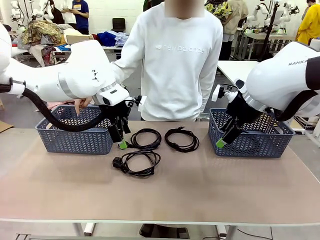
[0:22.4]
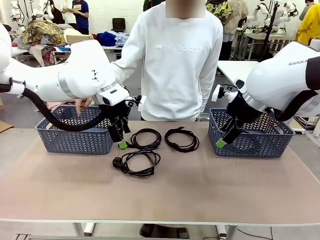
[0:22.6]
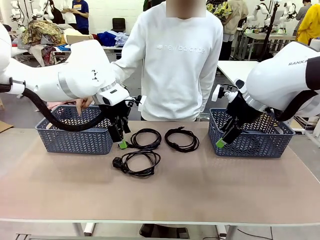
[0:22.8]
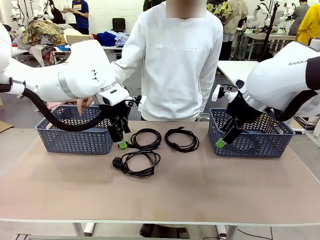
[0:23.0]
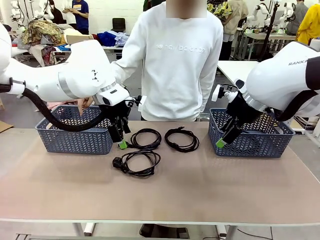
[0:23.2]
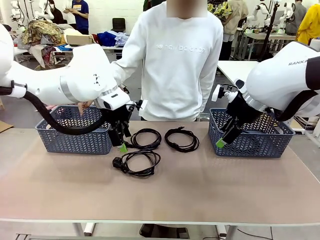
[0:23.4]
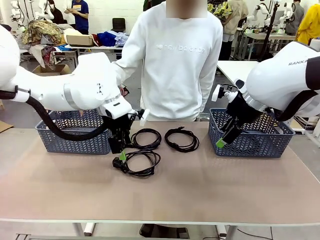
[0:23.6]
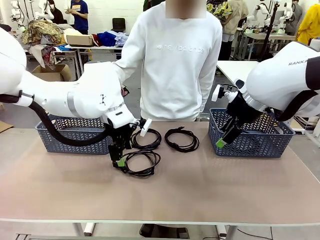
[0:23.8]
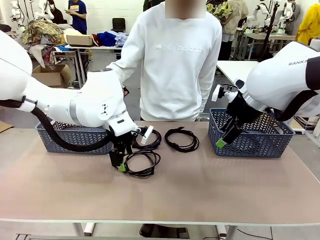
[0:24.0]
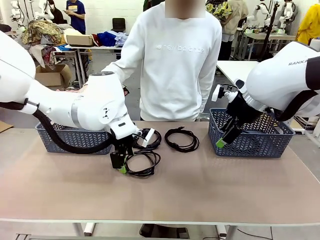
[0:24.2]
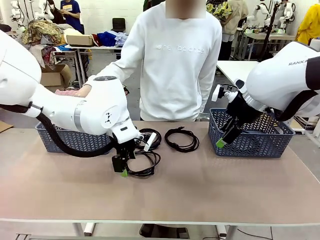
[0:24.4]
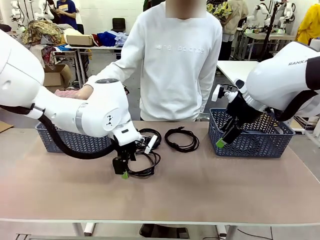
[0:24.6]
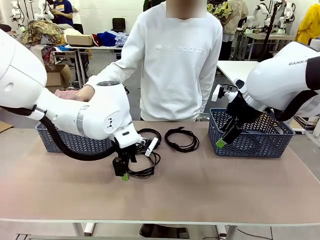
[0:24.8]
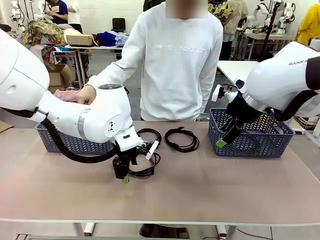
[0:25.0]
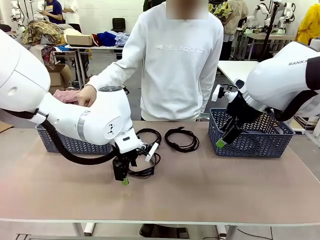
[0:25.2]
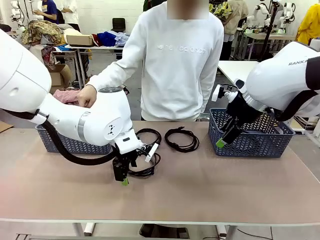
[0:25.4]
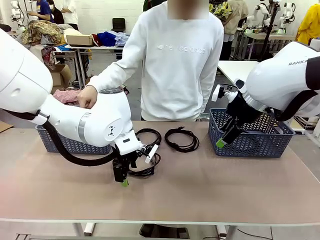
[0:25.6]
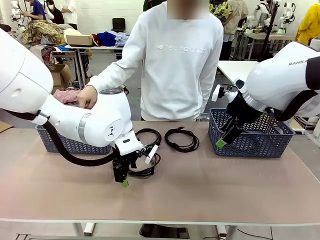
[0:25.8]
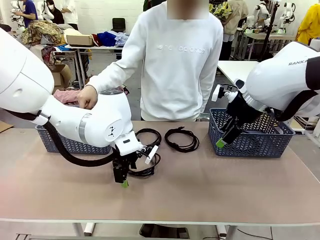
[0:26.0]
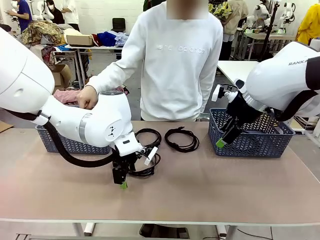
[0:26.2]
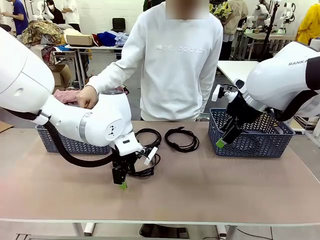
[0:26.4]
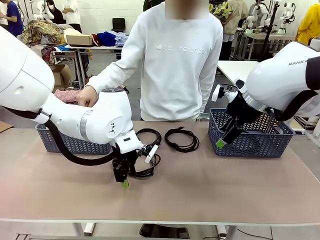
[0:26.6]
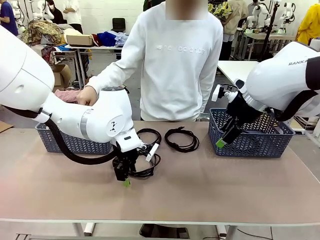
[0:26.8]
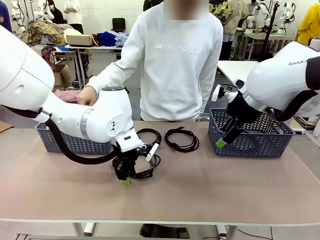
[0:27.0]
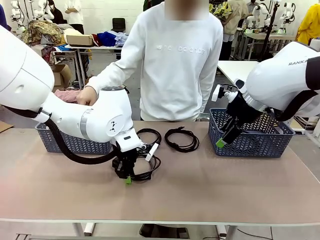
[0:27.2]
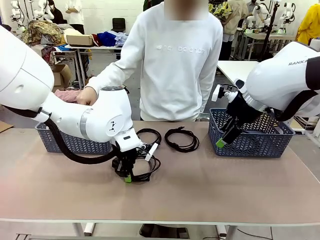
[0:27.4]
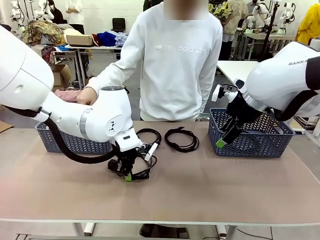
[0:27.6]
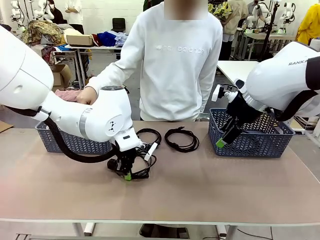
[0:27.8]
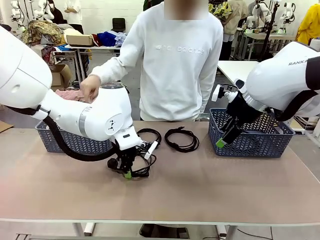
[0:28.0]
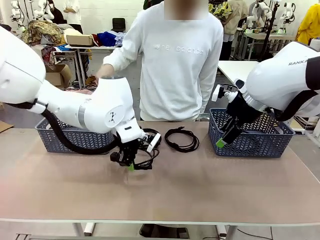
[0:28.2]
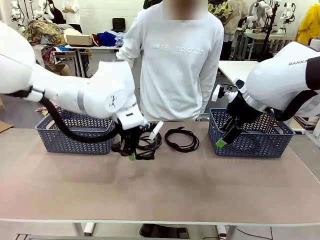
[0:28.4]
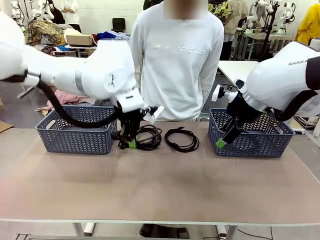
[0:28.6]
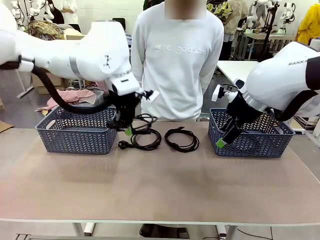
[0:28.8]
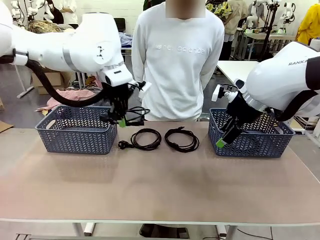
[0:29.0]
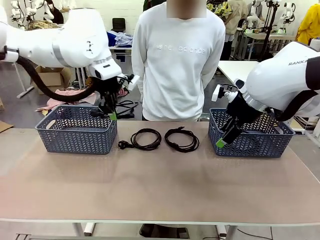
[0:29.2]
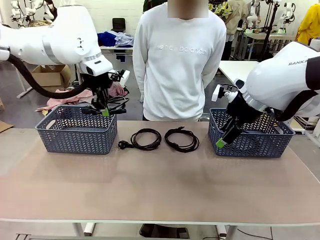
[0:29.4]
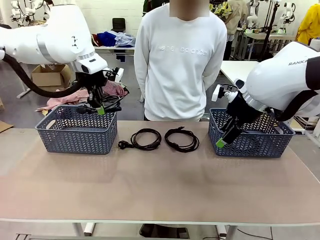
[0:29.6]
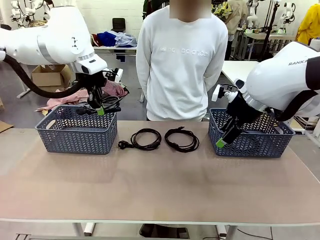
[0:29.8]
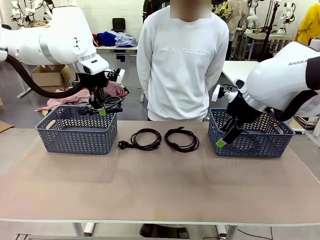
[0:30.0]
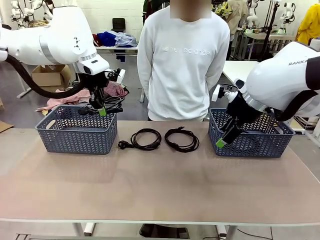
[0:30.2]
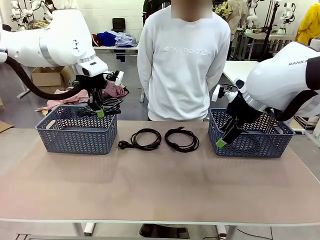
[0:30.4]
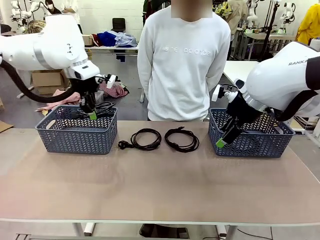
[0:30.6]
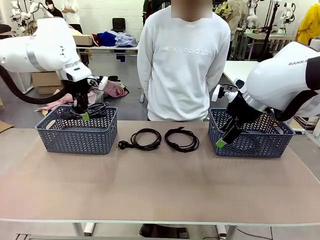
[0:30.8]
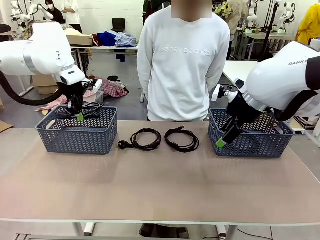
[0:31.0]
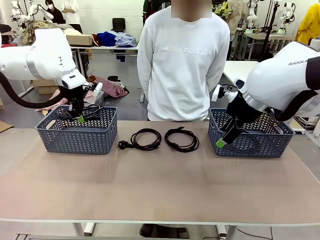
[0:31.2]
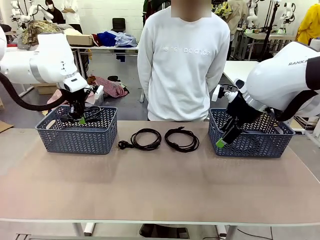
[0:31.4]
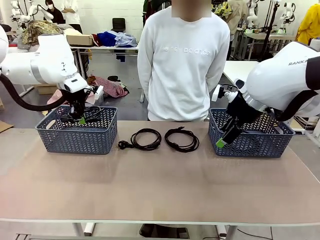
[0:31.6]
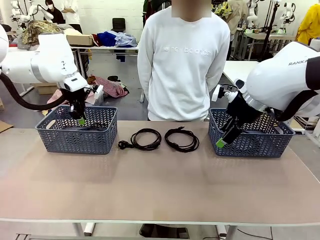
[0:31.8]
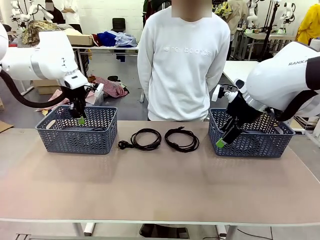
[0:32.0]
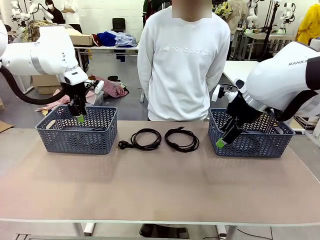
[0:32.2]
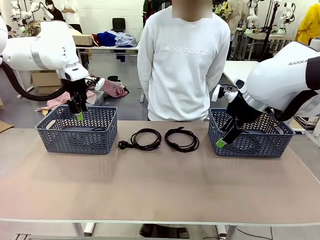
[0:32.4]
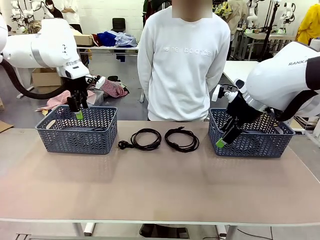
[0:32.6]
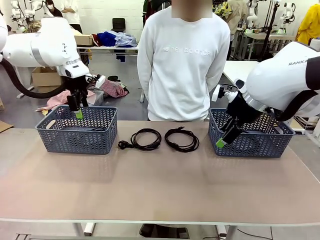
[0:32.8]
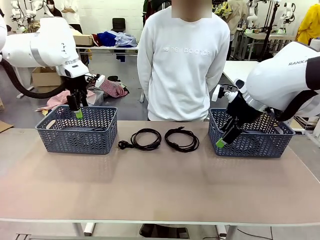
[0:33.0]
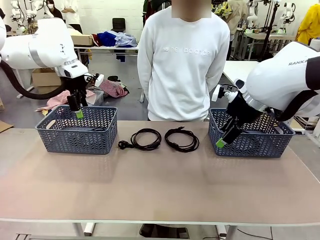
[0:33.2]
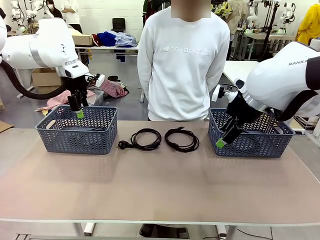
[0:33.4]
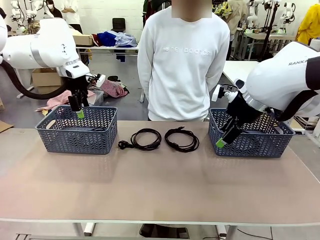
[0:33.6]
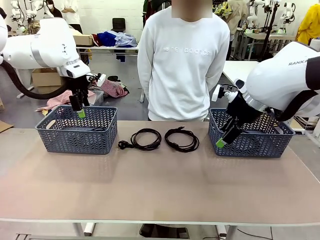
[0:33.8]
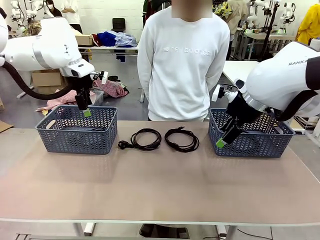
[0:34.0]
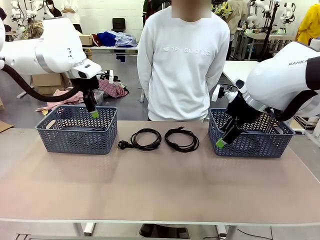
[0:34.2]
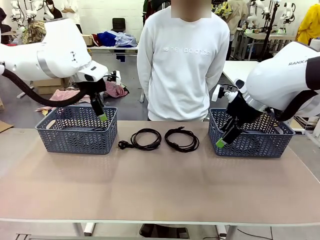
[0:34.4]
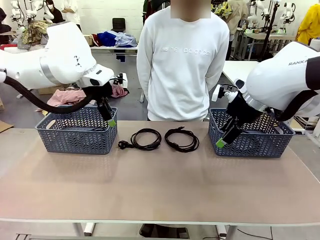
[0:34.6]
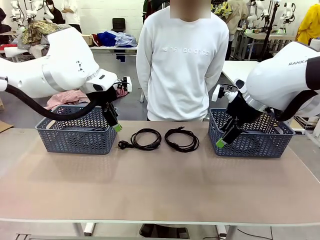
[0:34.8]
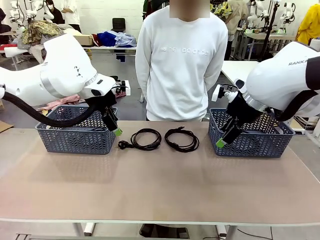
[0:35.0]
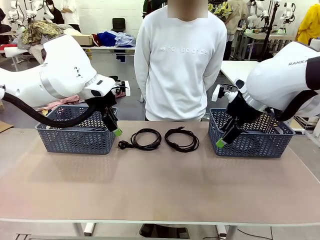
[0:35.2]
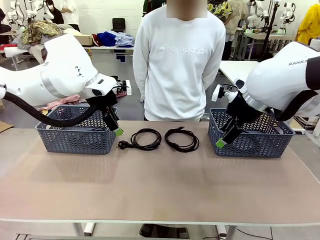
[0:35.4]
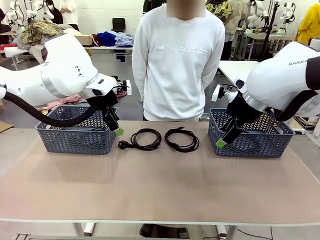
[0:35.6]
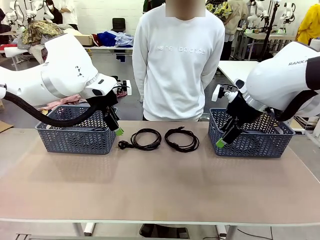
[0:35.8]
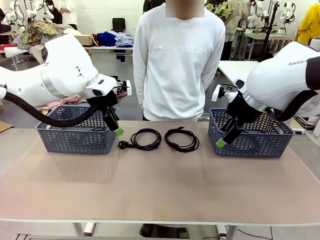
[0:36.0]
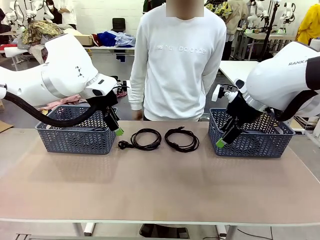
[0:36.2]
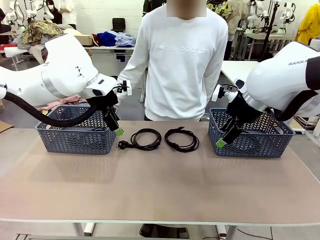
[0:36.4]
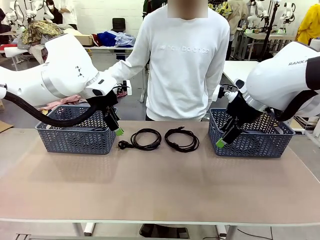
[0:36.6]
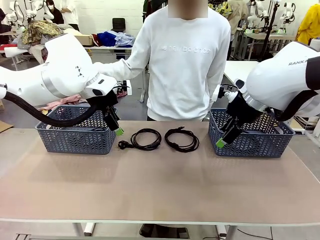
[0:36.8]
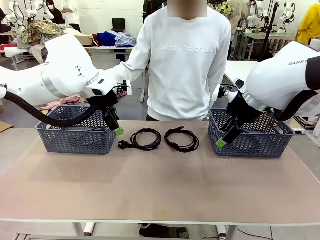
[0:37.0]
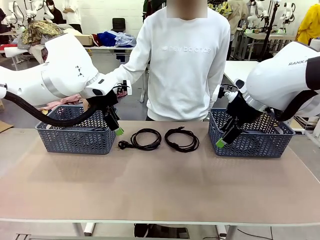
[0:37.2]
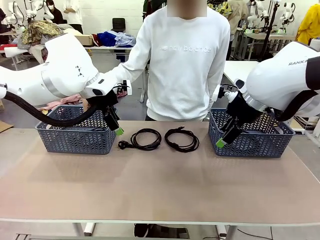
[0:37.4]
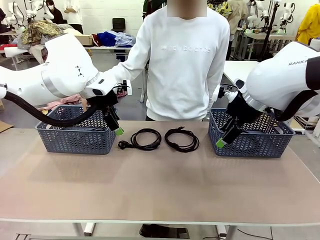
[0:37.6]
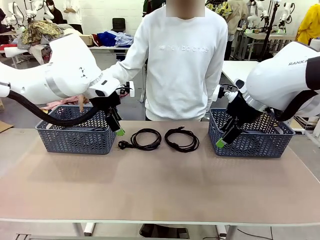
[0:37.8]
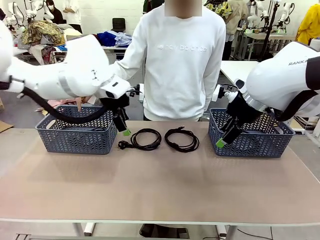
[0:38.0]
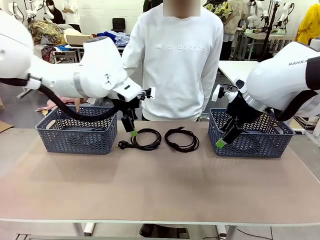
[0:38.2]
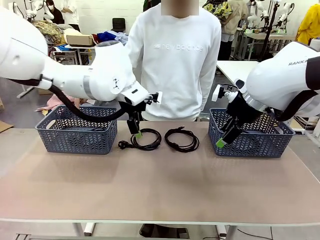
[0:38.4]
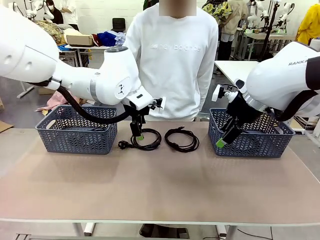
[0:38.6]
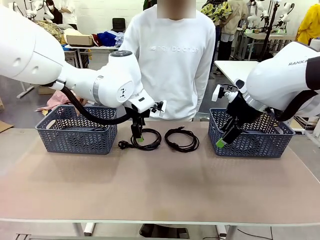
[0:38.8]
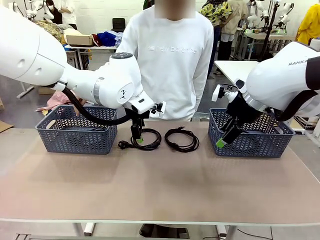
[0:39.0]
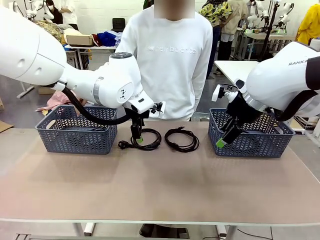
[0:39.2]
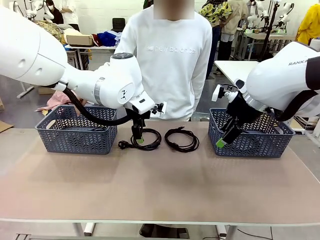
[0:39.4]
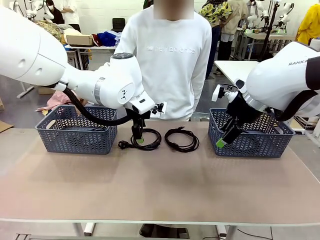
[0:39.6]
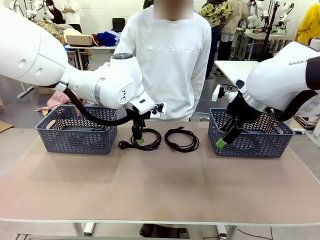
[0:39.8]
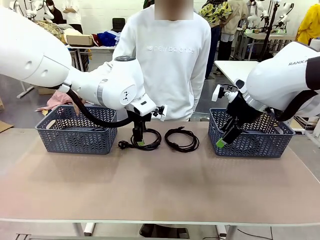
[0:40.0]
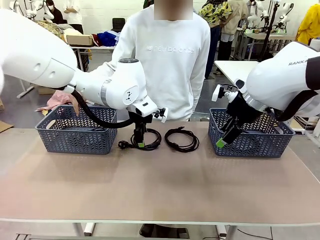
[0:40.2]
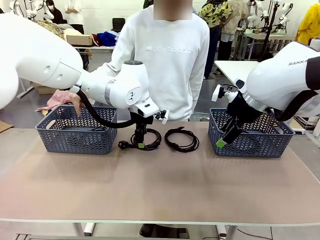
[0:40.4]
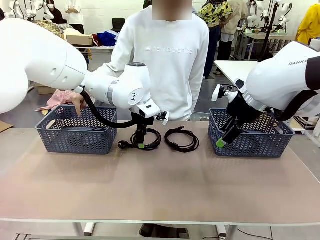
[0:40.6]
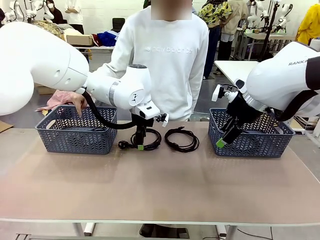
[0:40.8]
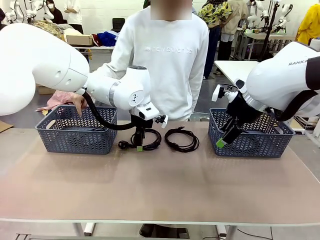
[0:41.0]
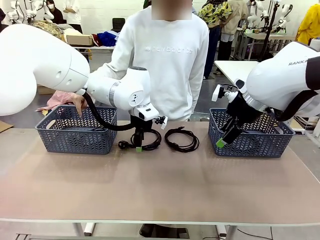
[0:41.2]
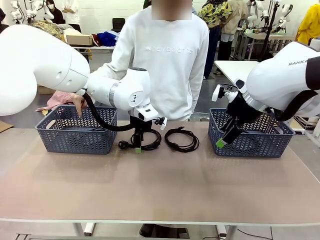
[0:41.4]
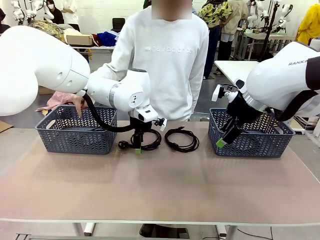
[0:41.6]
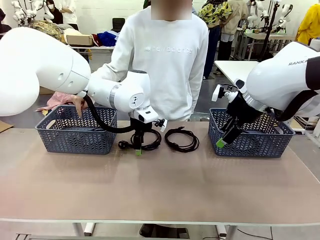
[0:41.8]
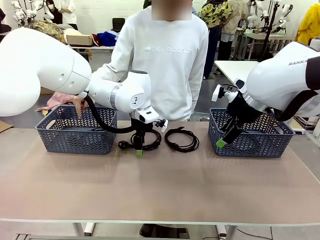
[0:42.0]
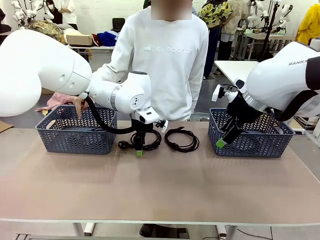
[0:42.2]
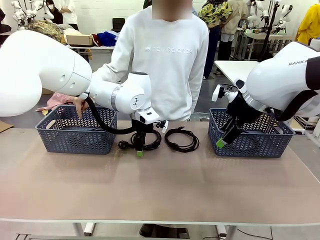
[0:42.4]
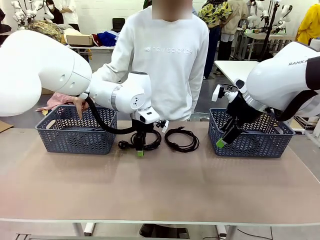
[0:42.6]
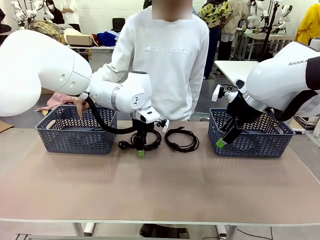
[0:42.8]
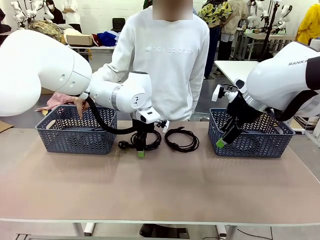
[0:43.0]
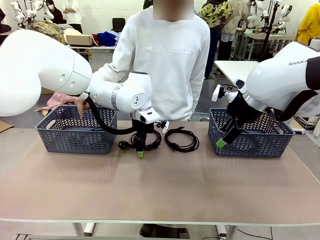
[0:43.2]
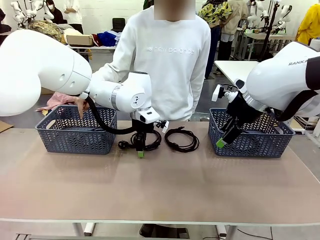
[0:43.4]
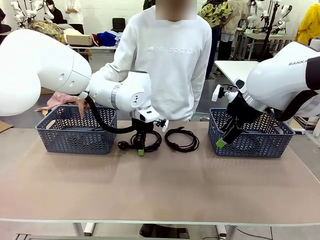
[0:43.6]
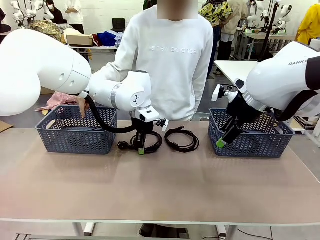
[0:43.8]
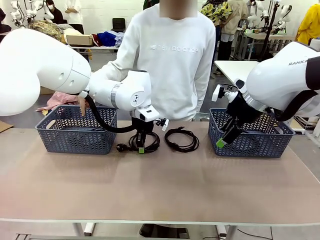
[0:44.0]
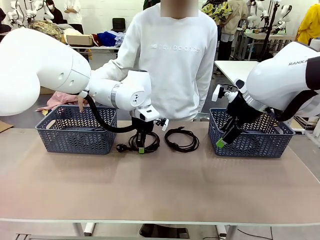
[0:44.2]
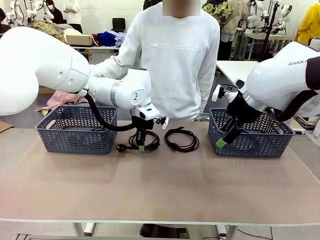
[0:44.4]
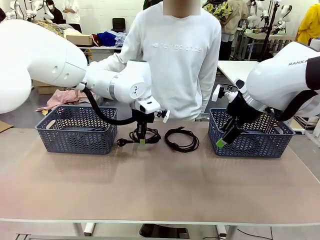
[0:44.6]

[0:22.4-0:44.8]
Task: Organize the cables according to human instructions.
Robot: Pick up a bundle of cables and place it in the basket indicated by the human.
